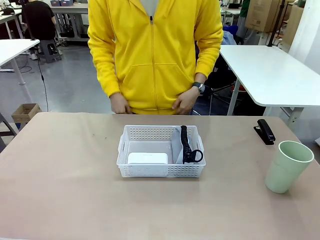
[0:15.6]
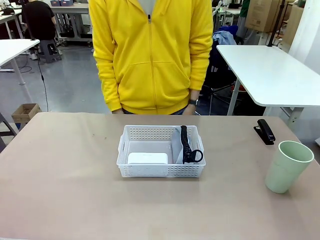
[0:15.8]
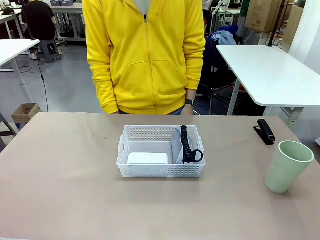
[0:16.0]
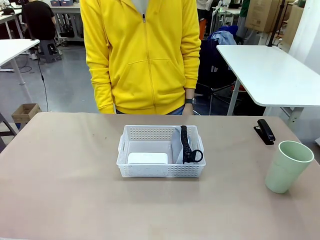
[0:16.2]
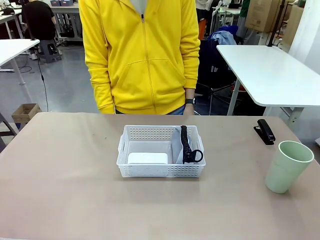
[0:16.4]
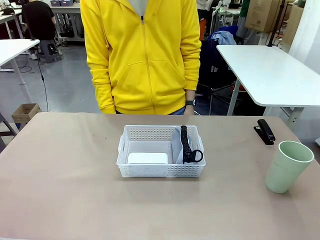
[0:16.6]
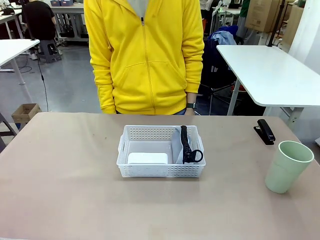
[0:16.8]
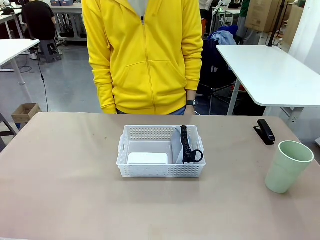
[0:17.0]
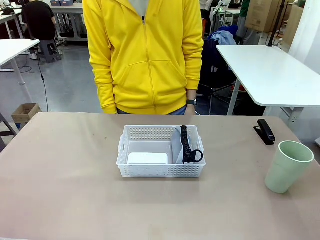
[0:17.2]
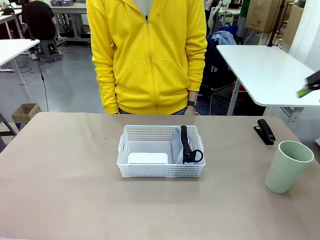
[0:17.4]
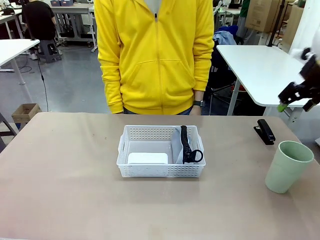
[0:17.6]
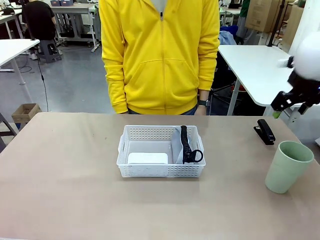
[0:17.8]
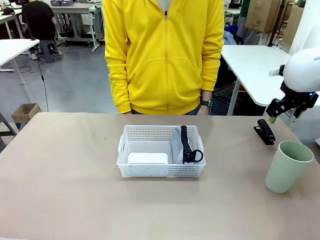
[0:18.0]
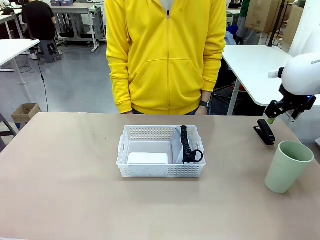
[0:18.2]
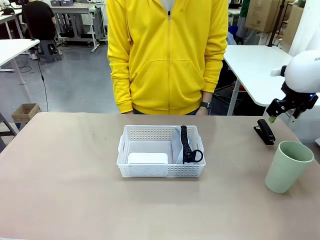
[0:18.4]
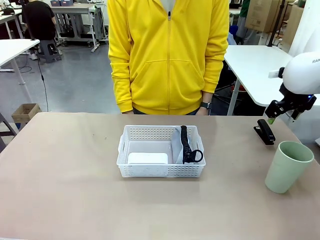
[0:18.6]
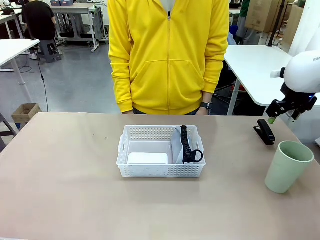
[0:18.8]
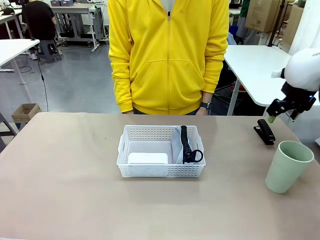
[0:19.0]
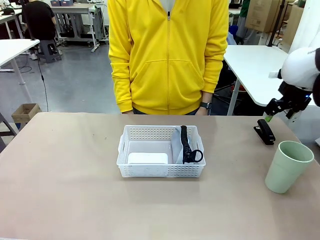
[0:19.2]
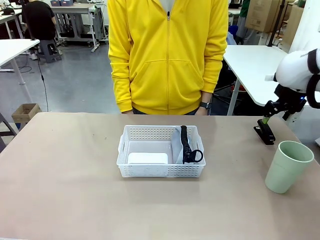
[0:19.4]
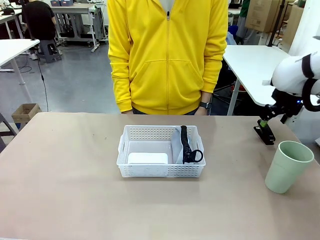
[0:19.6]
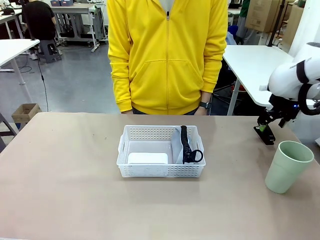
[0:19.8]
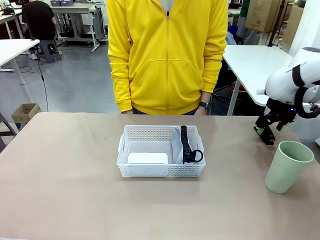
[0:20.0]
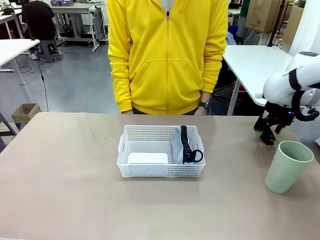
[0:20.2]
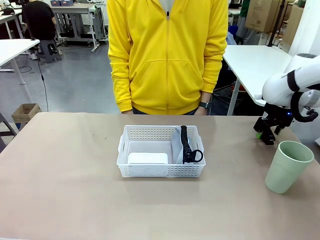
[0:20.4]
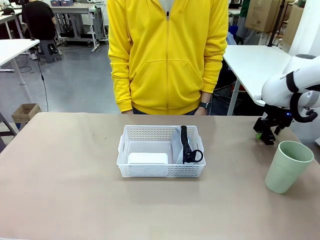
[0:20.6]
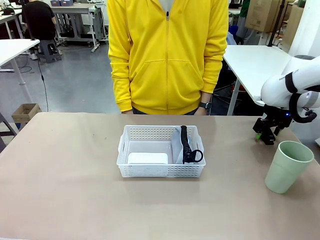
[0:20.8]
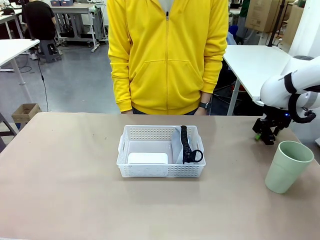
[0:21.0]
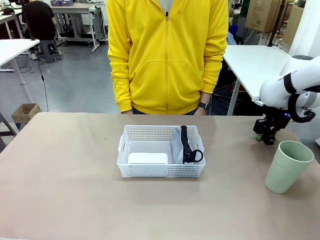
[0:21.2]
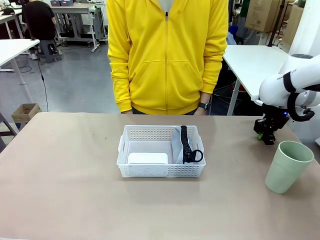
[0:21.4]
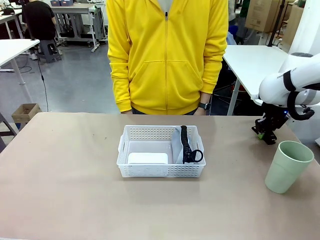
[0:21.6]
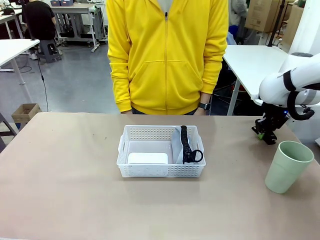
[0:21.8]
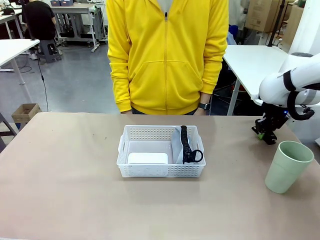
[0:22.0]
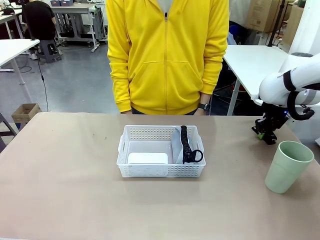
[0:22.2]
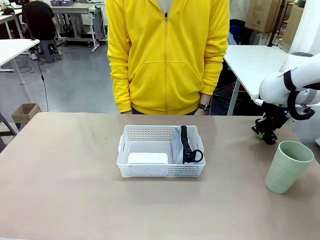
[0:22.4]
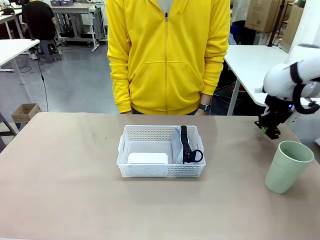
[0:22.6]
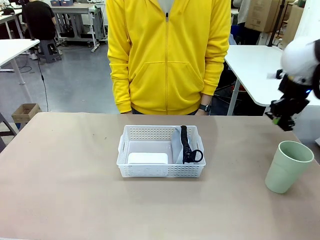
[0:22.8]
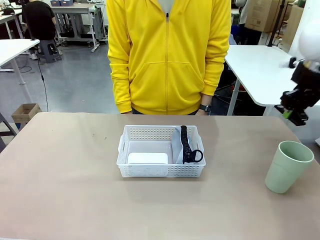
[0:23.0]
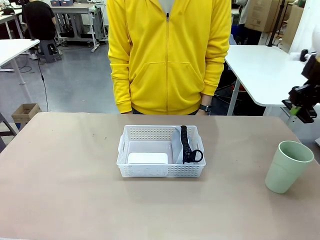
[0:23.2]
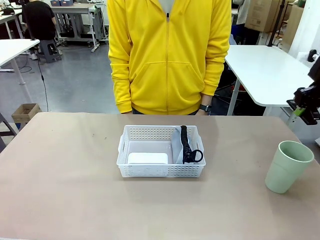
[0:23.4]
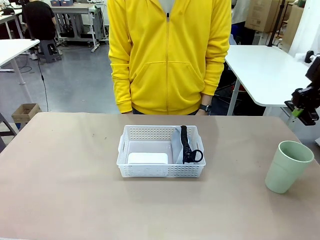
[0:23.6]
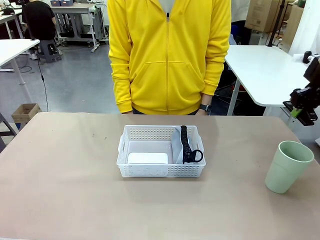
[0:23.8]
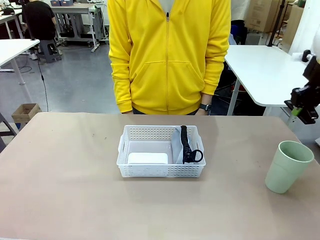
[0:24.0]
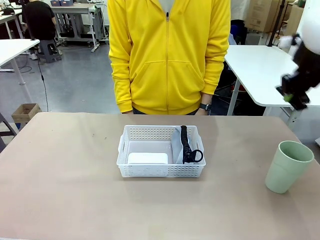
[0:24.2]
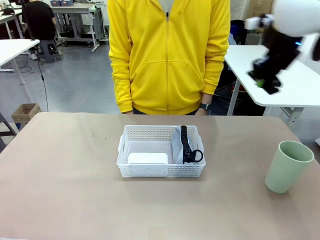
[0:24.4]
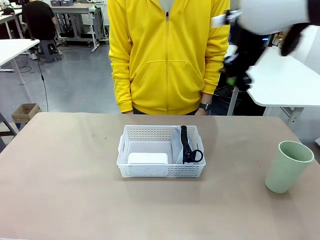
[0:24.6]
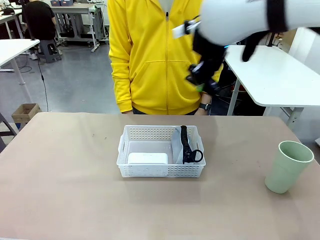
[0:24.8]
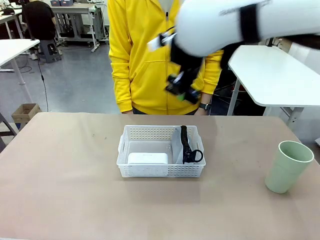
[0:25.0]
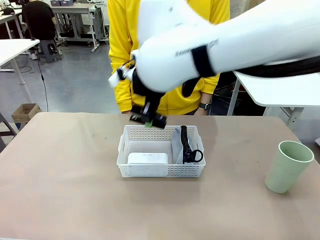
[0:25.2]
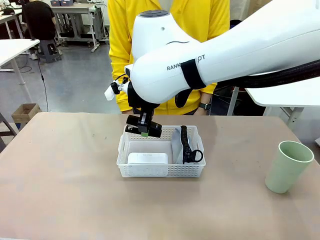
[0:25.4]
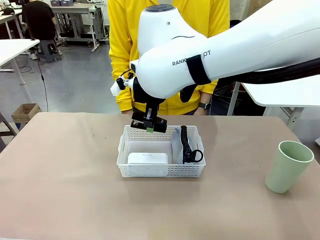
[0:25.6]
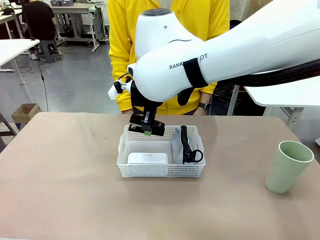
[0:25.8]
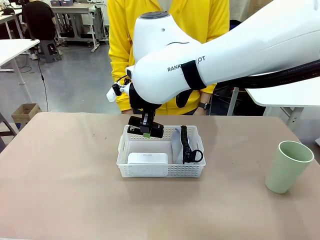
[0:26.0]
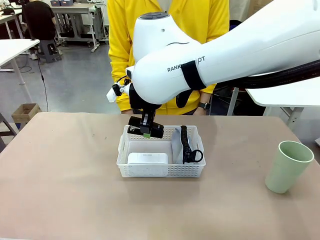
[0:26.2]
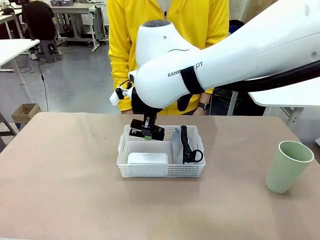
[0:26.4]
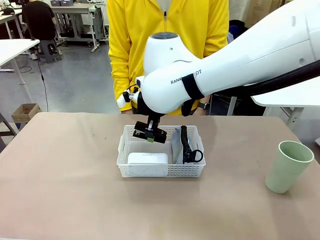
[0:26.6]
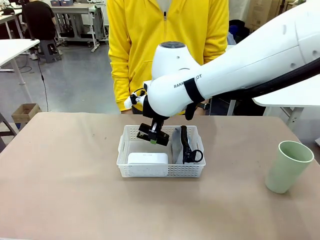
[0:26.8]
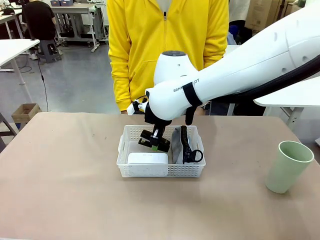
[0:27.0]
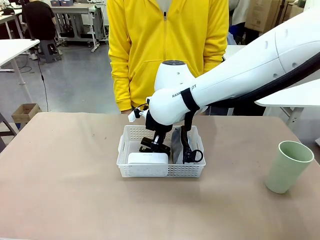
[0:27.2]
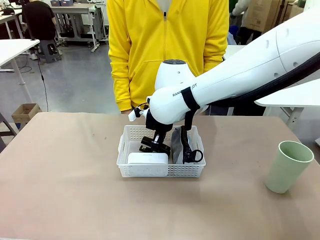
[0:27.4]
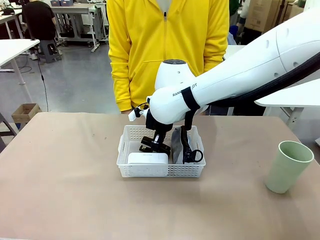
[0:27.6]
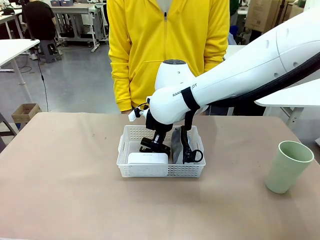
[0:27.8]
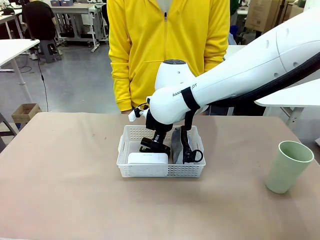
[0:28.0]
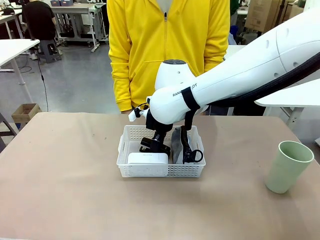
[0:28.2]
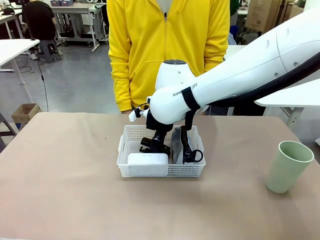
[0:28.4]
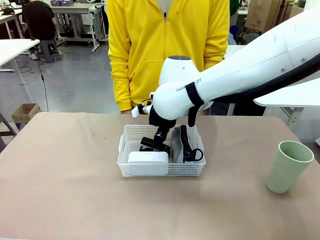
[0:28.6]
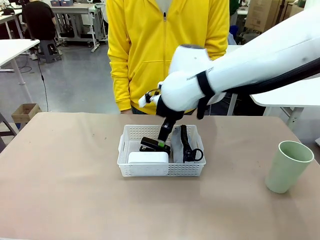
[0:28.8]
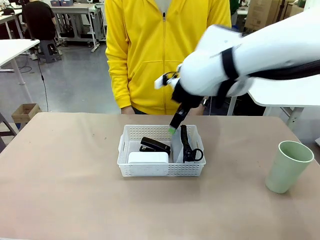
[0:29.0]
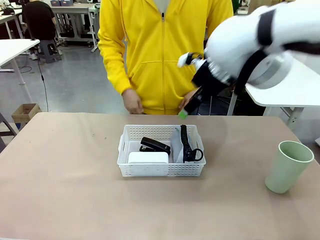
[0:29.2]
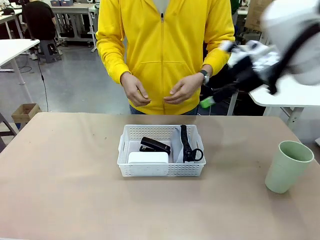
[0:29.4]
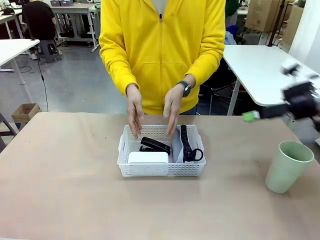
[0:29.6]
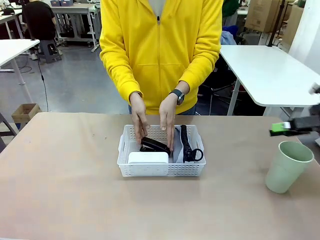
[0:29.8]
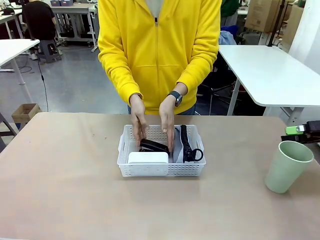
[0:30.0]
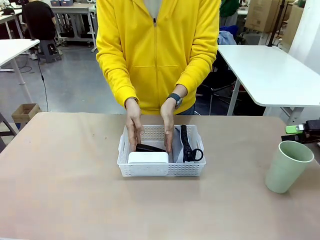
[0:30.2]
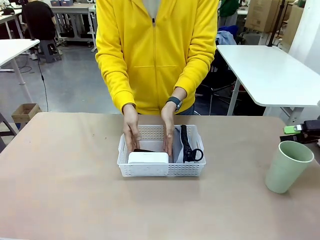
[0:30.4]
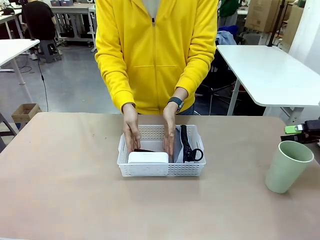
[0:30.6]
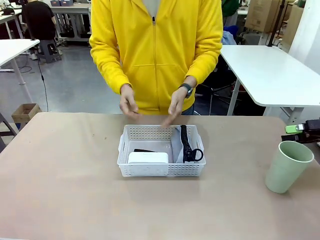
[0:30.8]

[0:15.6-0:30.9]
Task: Efficiently arrange items inside the basket to fit them all.
Robot: Pick up the Stapler and place it inside the Organizing basket.
